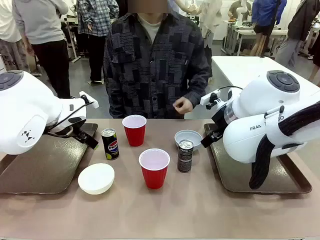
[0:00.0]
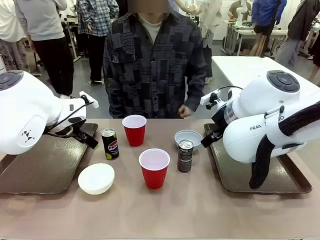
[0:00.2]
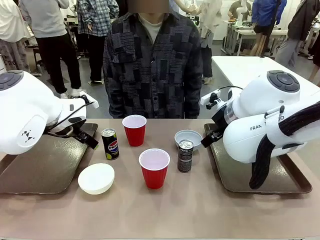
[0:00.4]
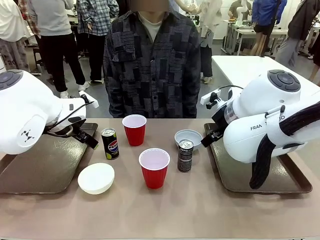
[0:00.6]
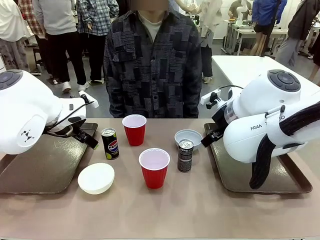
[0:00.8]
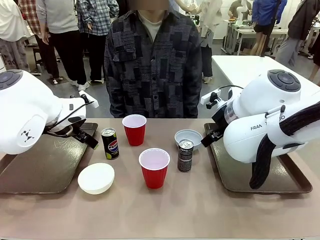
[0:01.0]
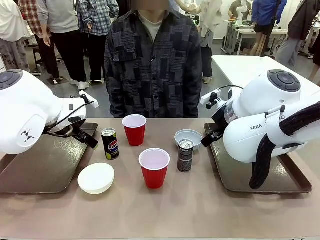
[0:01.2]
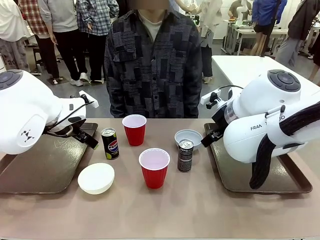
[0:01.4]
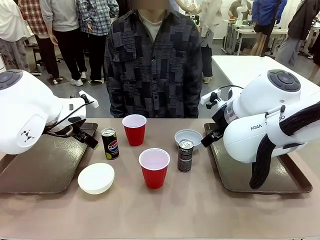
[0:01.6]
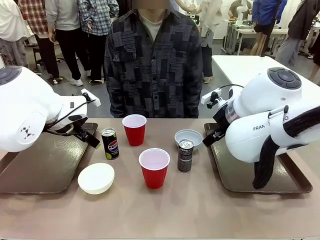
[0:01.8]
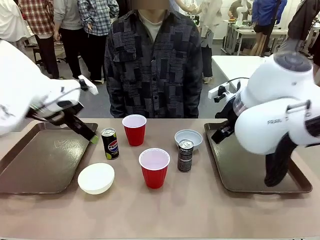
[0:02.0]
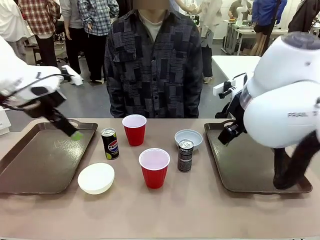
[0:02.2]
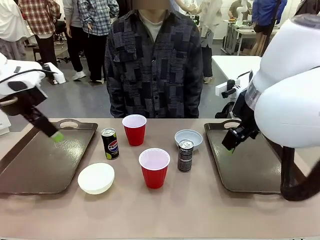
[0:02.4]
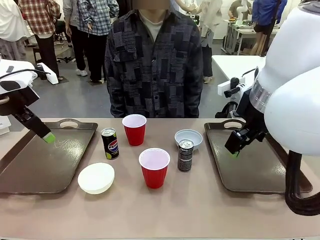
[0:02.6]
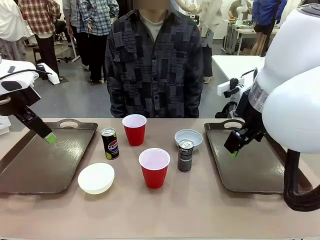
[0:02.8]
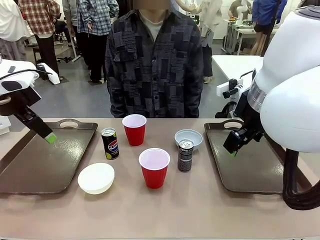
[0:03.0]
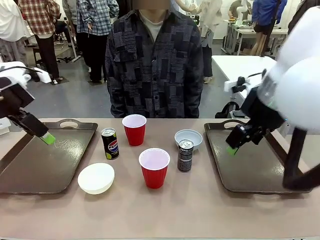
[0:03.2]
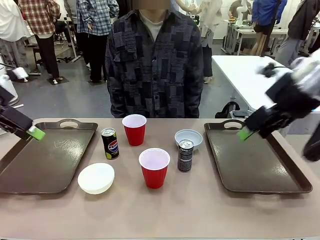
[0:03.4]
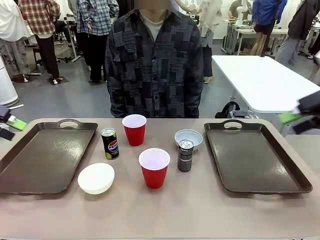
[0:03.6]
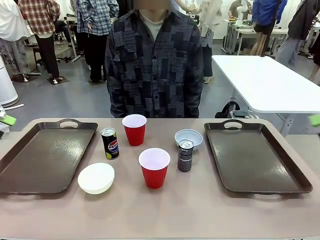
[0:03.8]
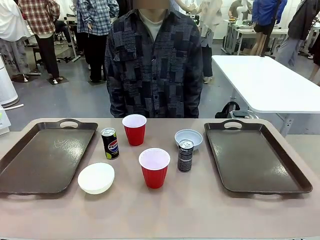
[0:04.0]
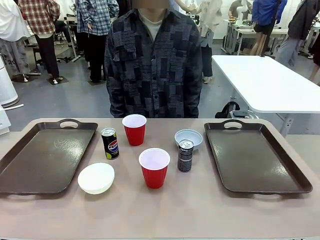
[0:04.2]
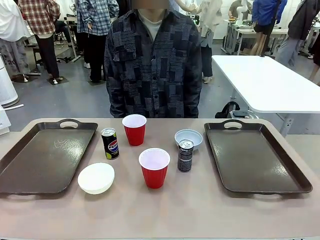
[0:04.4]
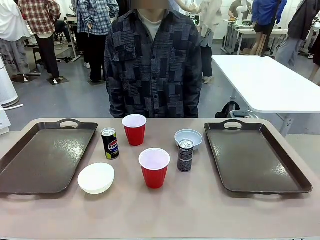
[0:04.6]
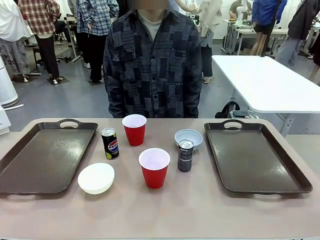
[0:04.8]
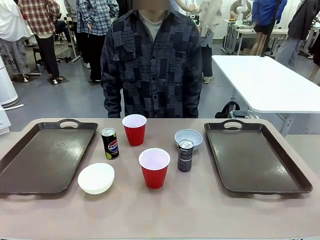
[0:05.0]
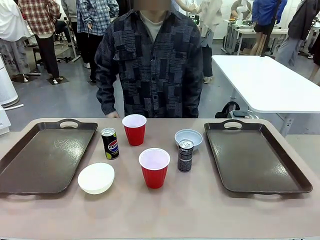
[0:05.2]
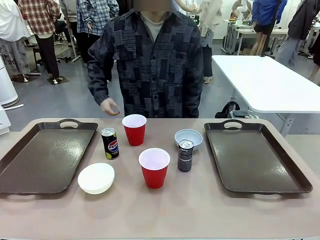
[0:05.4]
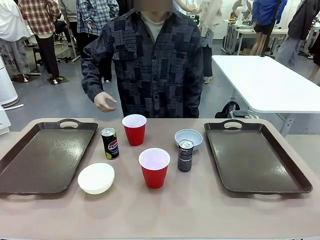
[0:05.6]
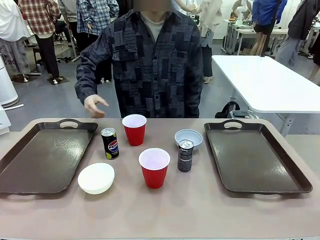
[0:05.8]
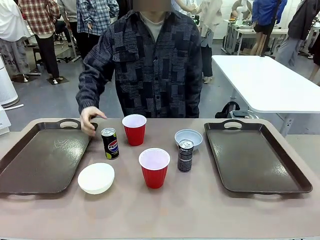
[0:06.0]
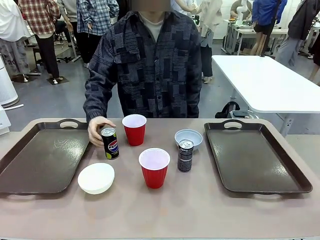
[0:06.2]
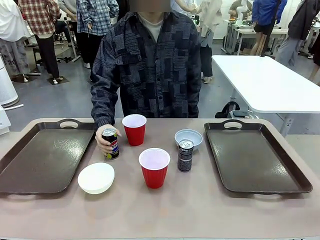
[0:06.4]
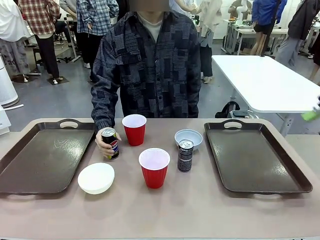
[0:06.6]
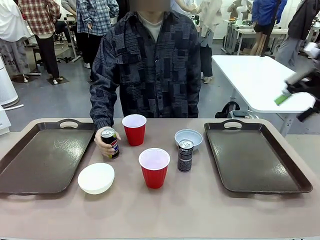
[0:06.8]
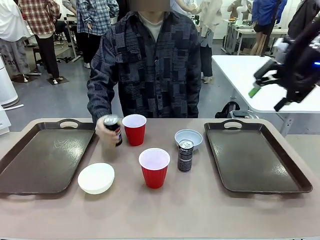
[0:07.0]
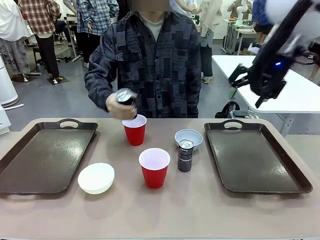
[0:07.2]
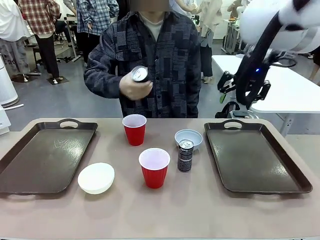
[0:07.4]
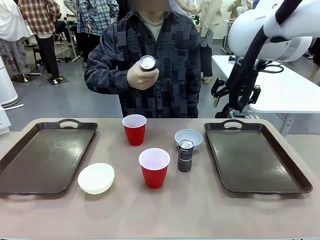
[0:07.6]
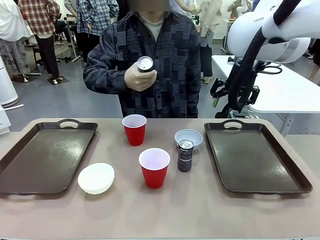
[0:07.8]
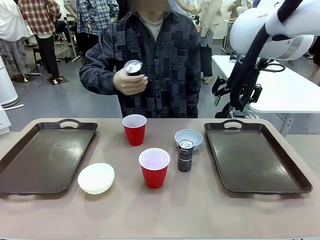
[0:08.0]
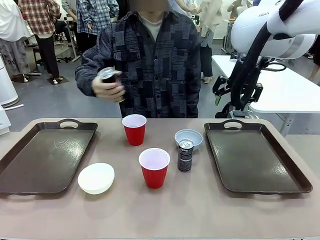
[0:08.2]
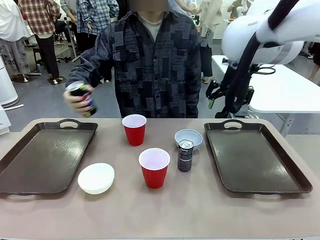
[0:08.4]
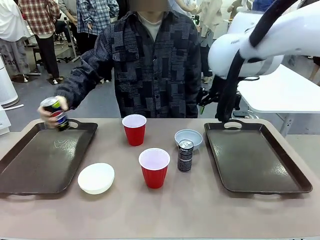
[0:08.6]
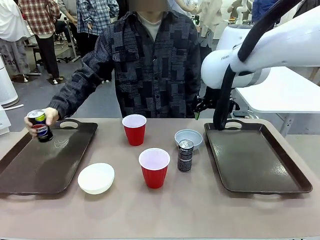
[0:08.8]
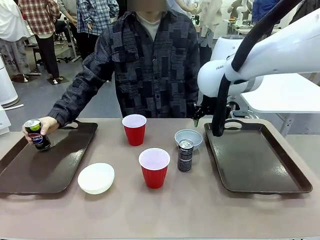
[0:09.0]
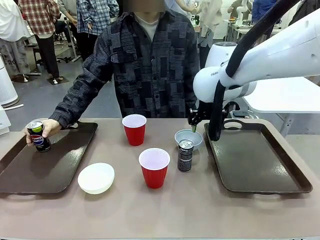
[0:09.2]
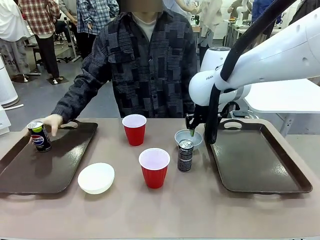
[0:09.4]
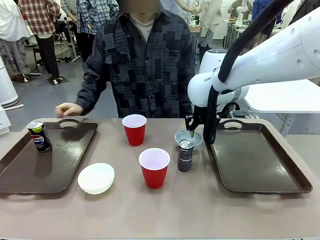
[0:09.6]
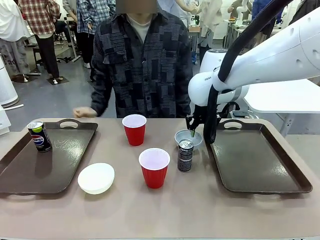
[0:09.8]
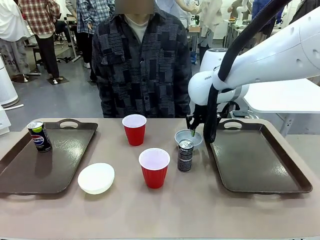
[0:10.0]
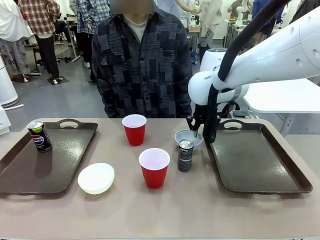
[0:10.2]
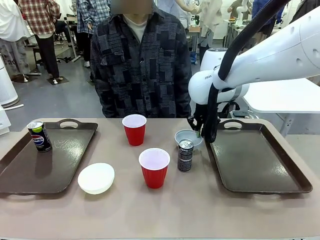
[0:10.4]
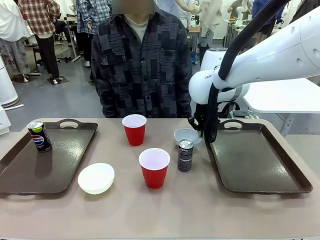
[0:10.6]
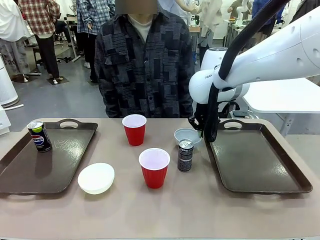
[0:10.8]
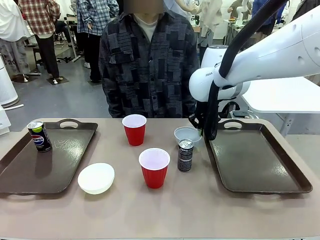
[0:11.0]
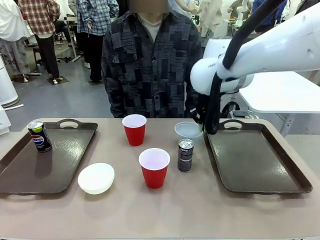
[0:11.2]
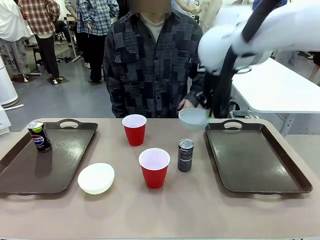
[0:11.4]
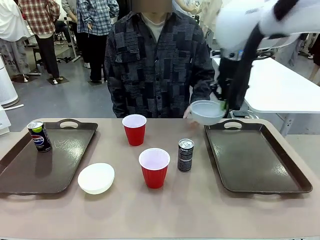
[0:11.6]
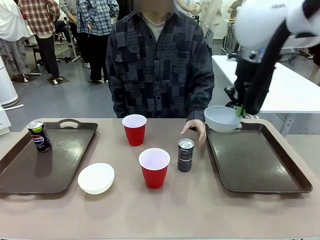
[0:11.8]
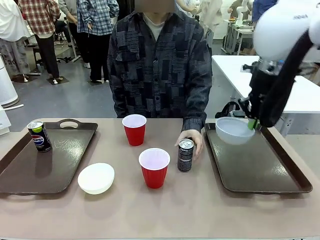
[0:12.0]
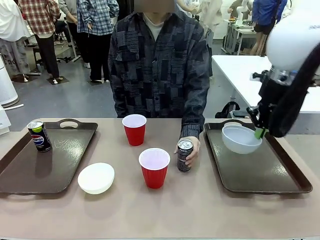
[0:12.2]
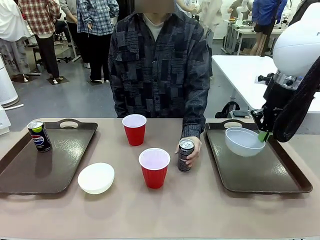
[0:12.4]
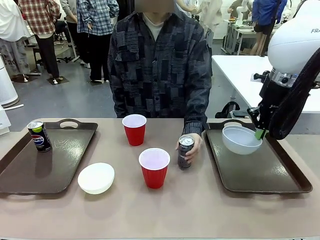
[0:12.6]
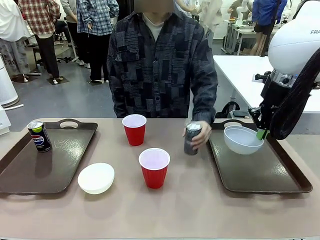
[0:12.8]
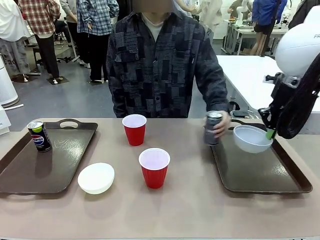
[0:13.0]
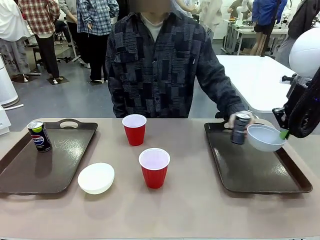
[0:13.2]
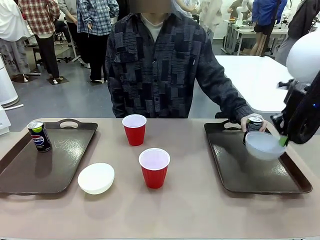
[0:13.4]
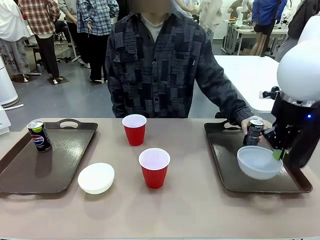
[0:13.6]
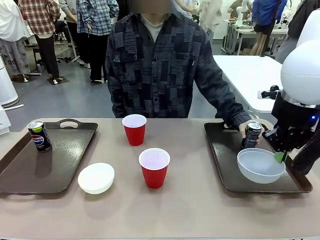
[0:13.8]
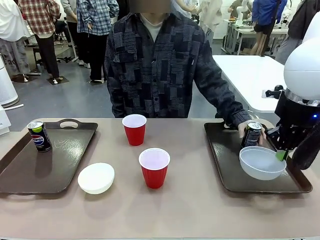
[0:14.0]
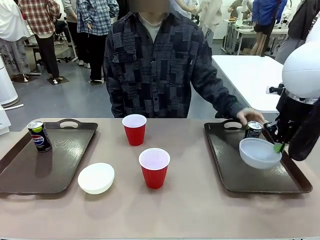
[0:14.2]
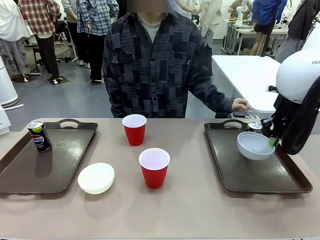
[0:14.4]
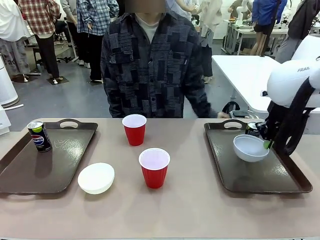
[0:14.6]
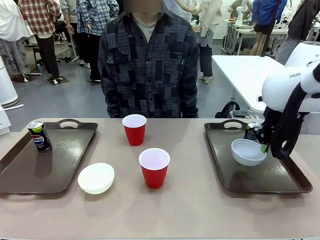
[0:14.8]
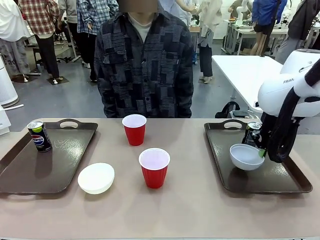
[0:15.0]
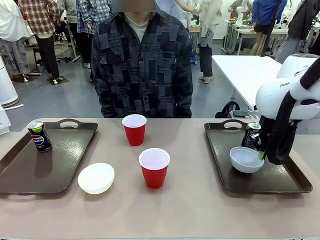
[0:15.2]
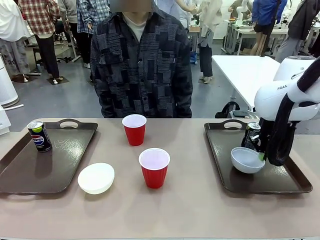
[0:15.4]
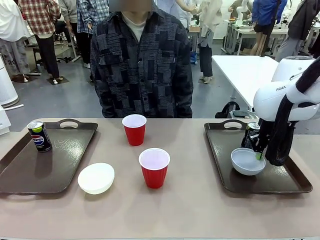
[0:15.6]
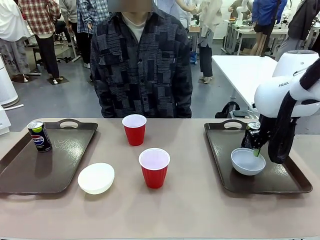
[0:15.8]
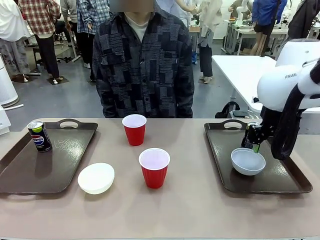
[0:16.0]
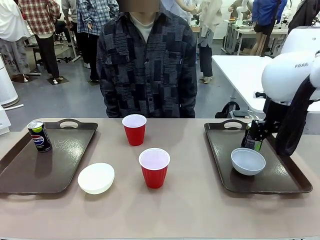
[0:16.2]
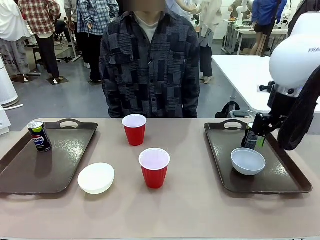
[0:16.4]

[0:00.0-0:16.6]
Task: Prepare tableware on both trays.
Robot: Pick up a Picnic Bowl from the table and place it on a Handle tray.
Person: Pick up a can or cup and place it on the tray.
